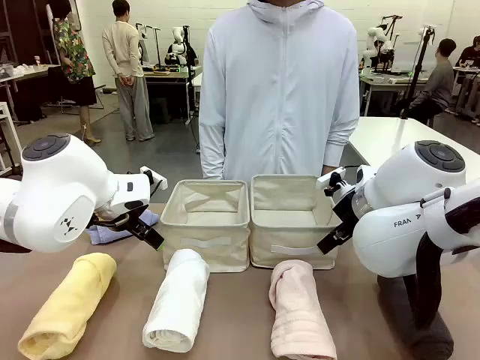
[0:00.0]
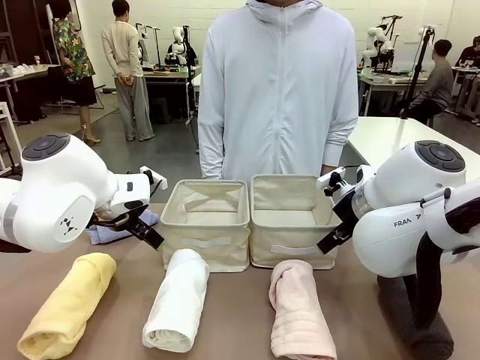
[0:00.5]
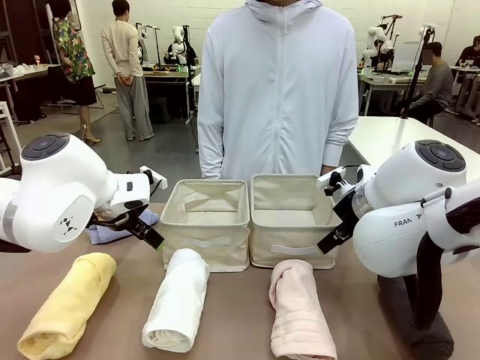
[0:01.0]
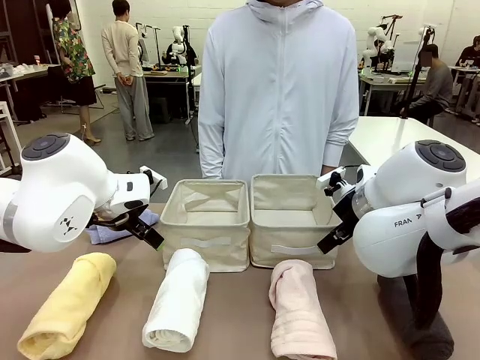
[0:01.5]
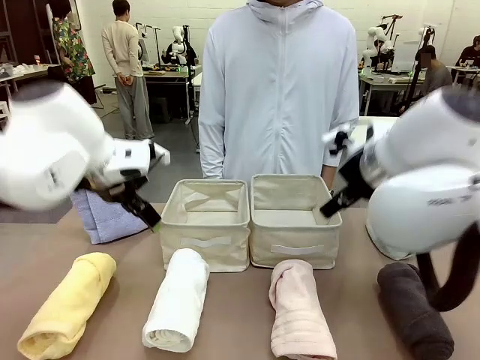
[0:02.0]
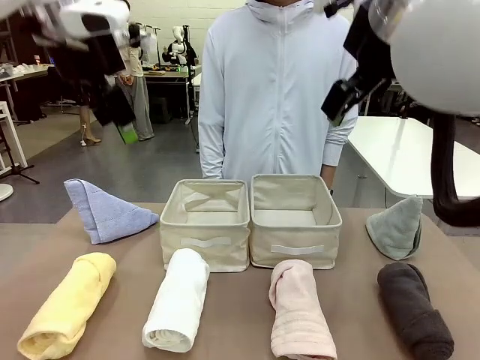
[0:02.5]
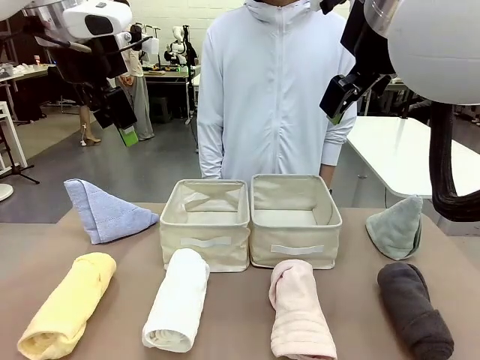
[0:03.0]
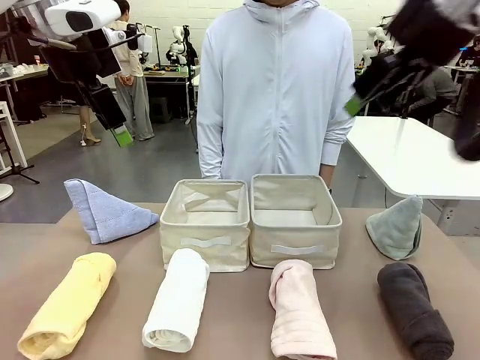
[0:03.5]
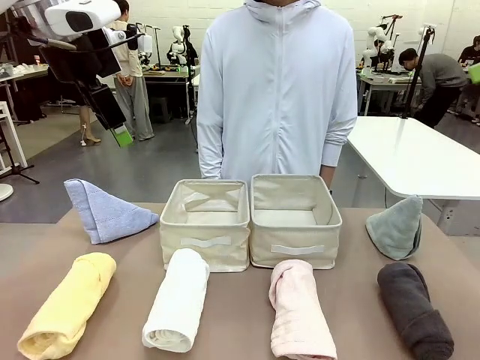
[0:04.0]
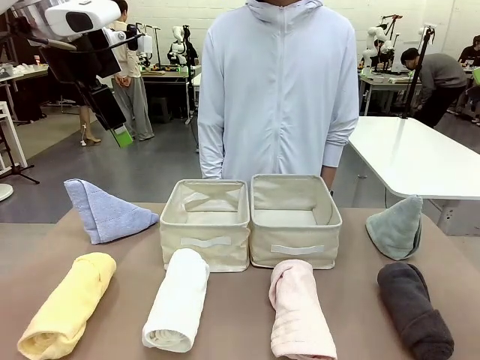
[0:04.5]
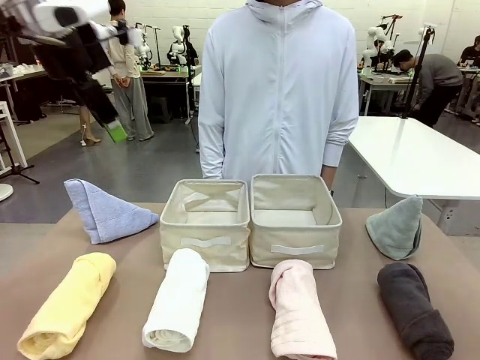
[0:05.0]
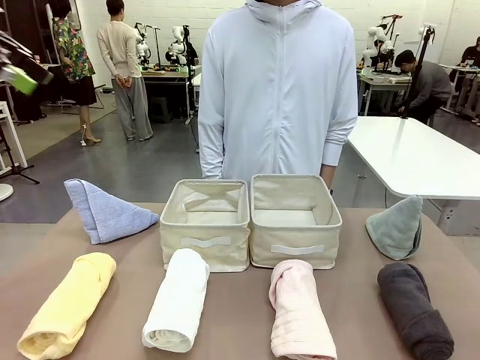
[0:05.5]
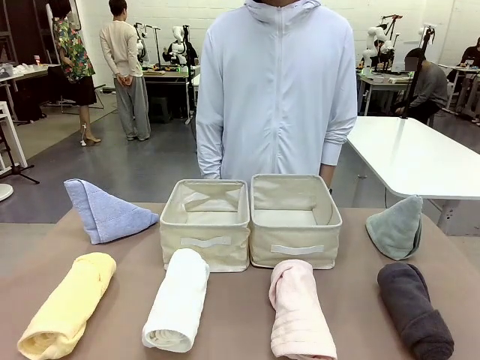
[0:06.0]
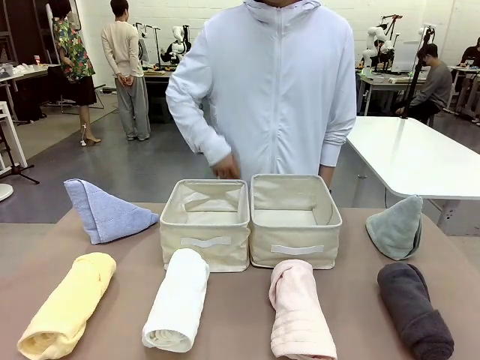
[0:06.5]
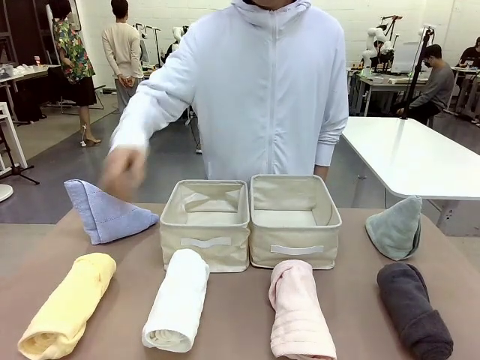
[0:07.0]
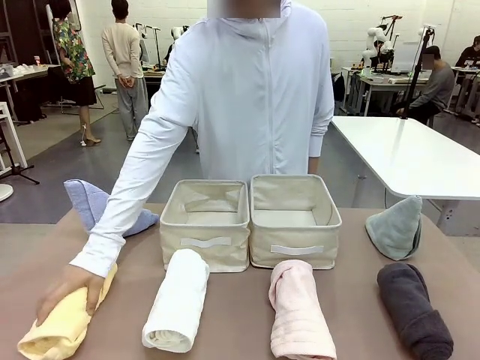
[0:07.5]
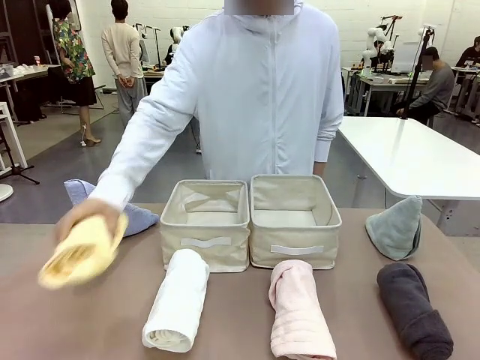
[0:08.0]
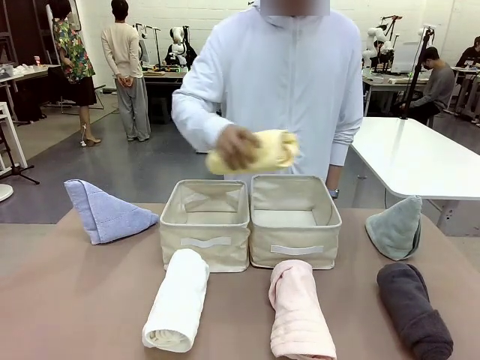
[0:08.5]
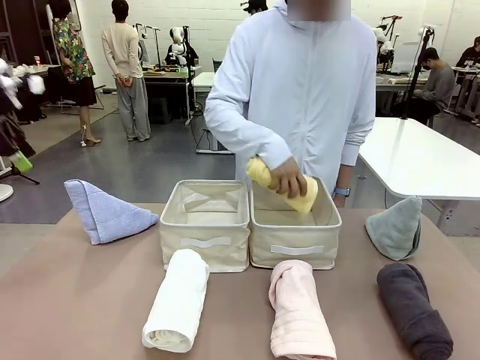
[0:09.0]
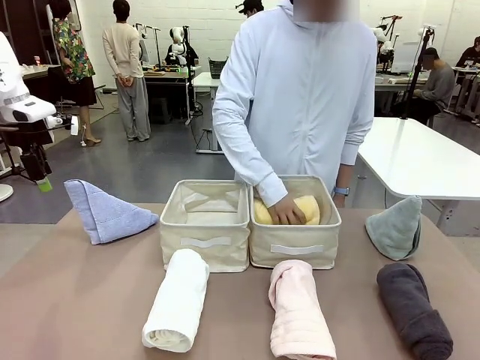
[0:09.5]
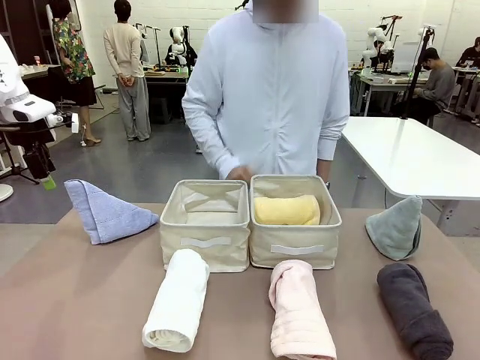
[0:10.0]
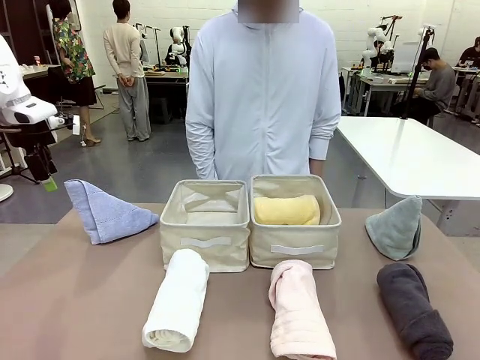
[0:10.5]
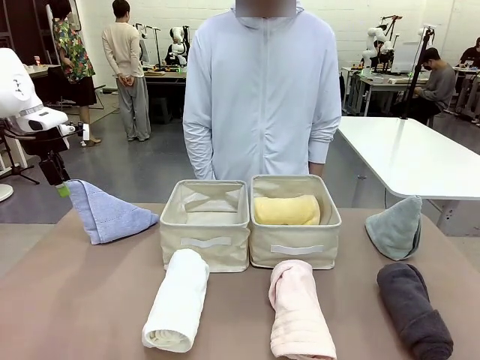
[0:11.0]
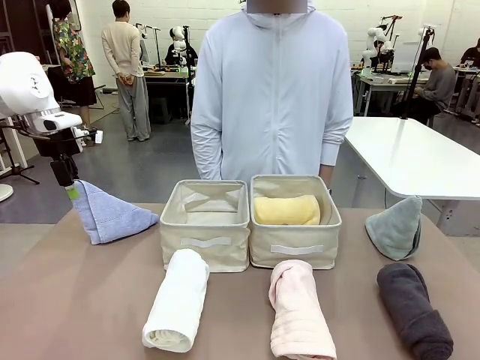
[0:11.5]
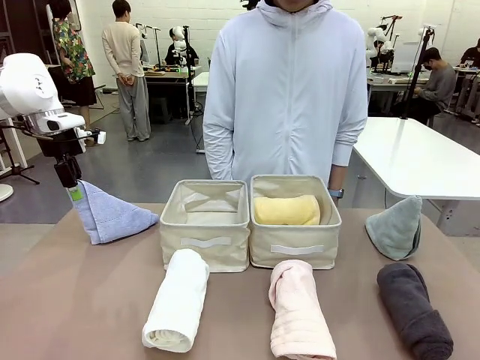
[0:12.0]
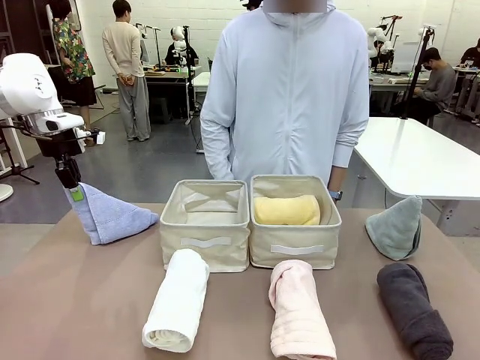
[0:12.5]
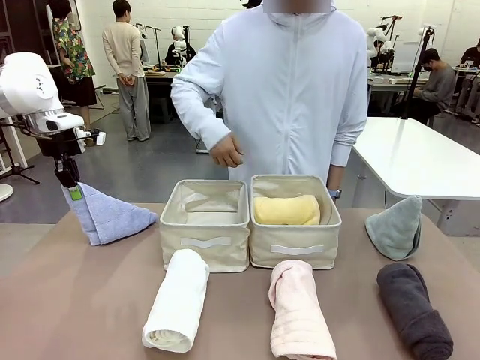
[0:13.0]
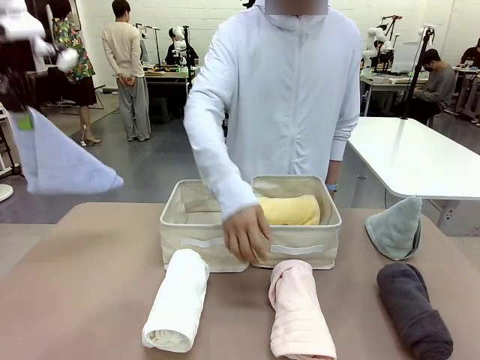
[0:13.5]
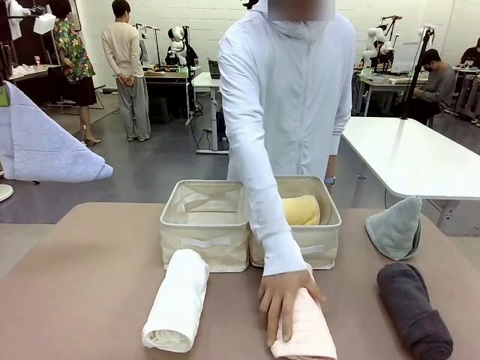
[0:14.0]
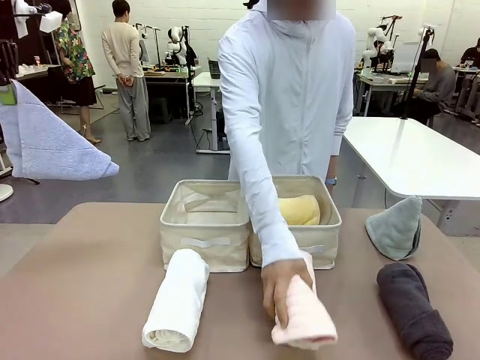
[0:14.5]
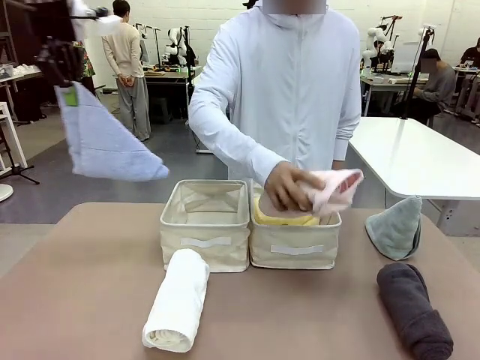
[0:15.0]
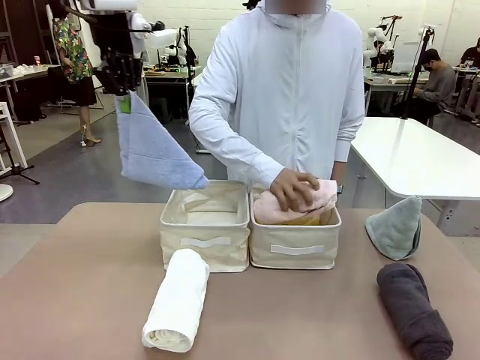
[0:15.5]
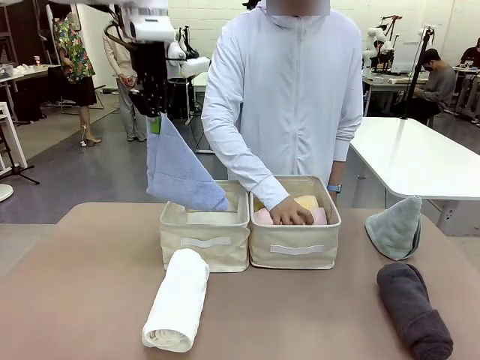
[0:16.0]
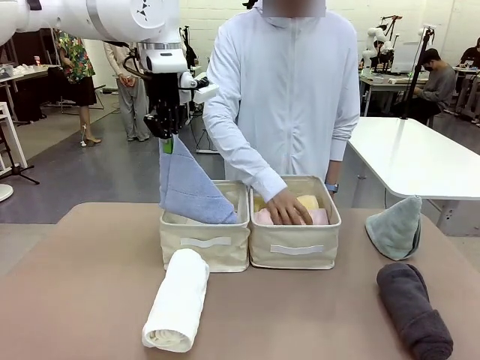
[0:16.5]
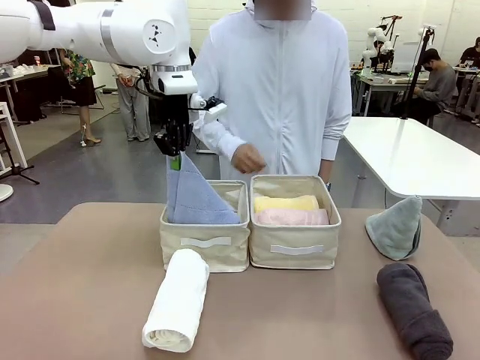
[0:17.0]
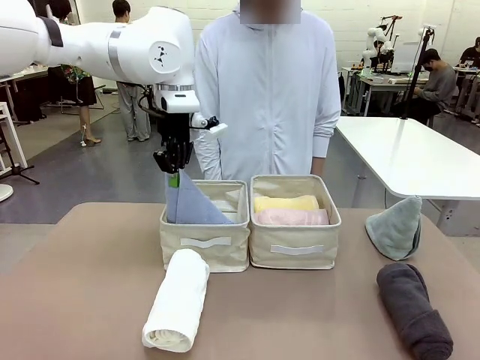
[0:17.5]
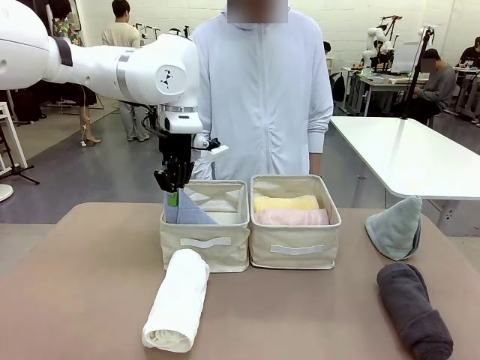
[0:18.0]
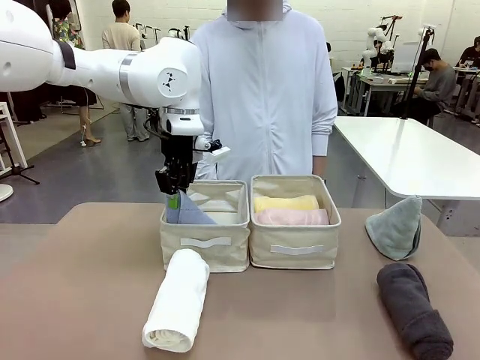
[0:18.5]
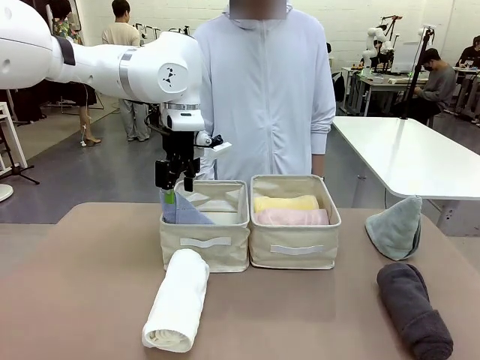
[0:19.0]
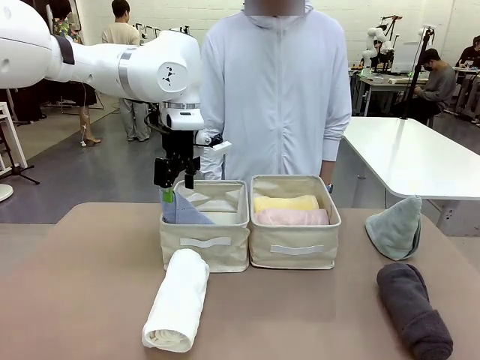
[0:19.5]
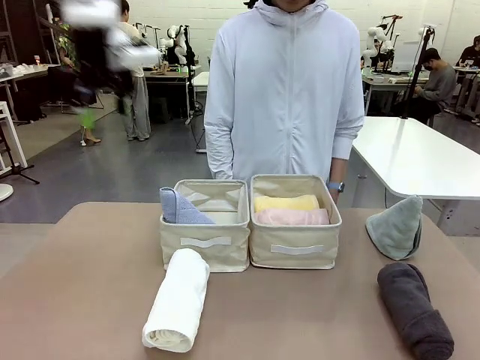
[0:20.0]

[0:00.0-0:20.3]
Task: Sort the towels based on their folding style.
Robot: Pick up one triangle-folded towel and place it in the left Fabric basket.
Person: Pick up one hotel-style rolled towel and place it in the left fabric basket.
